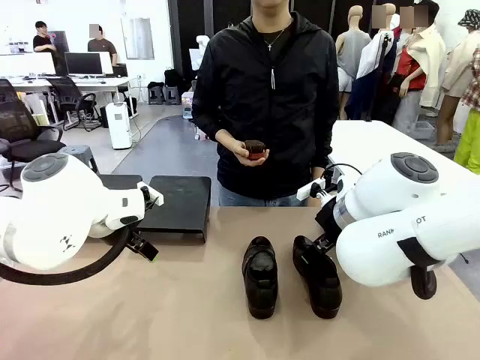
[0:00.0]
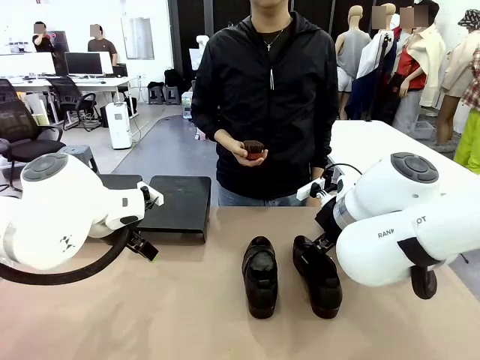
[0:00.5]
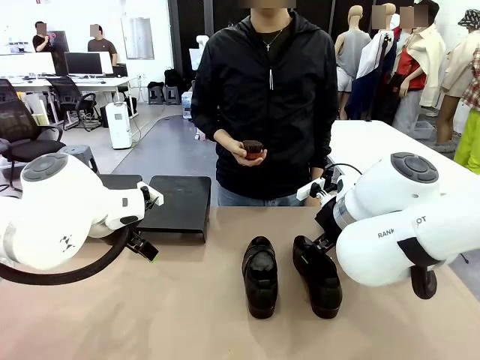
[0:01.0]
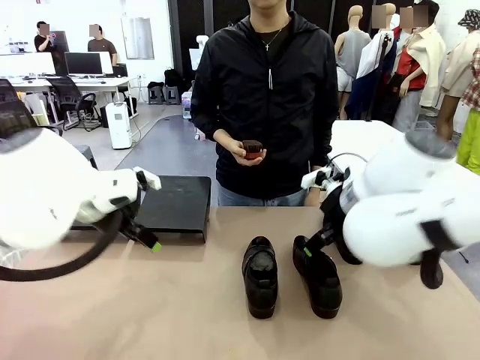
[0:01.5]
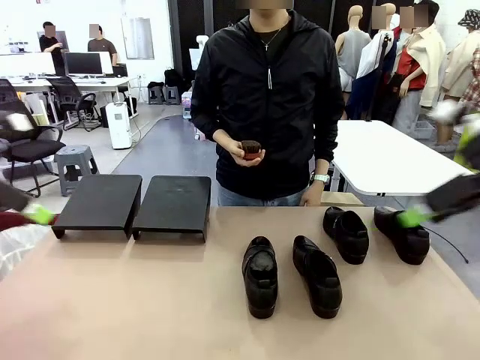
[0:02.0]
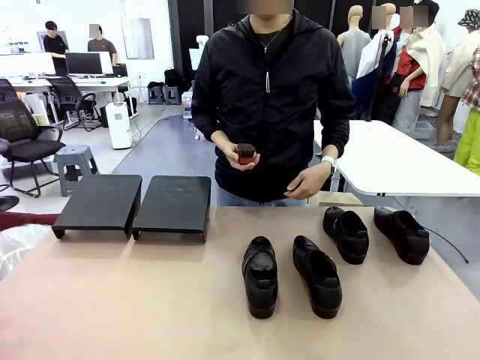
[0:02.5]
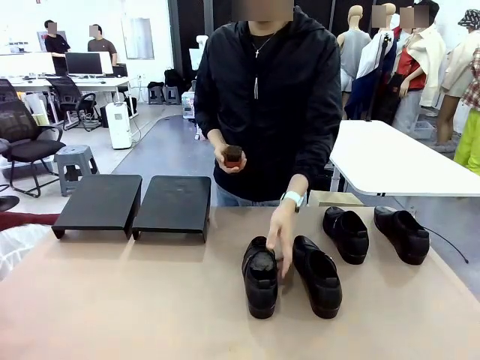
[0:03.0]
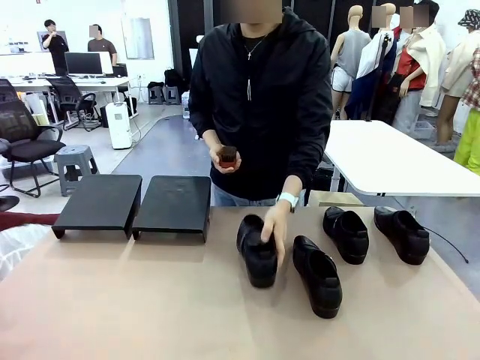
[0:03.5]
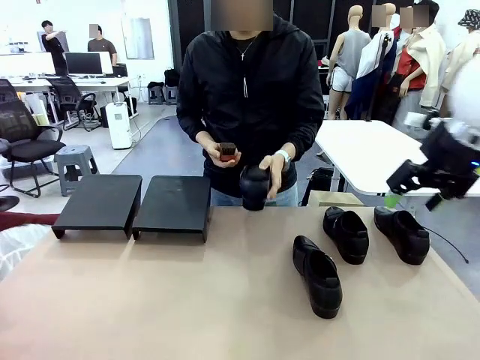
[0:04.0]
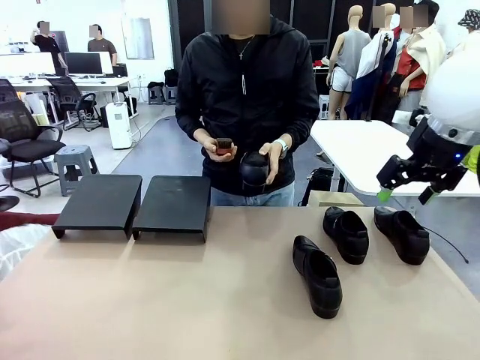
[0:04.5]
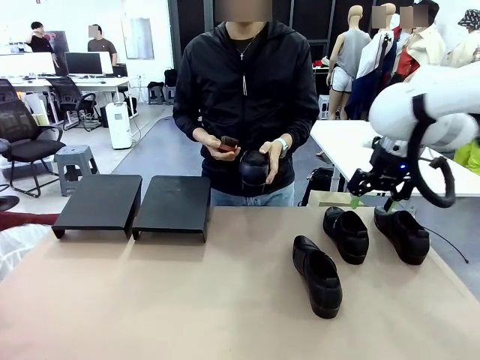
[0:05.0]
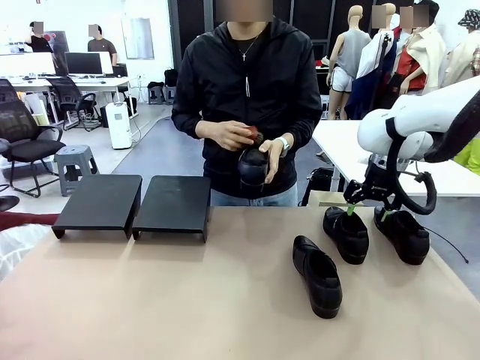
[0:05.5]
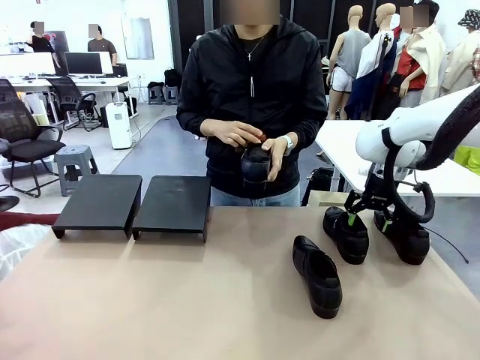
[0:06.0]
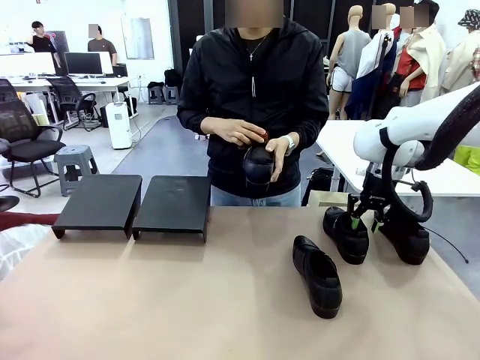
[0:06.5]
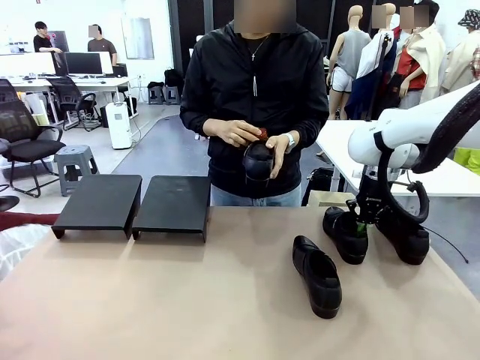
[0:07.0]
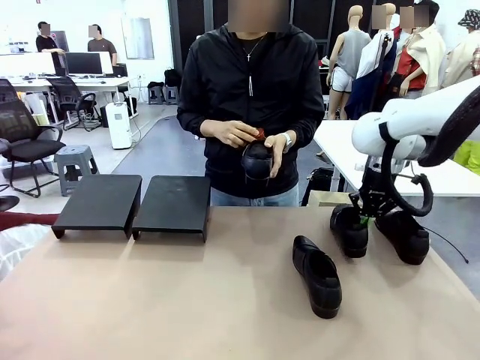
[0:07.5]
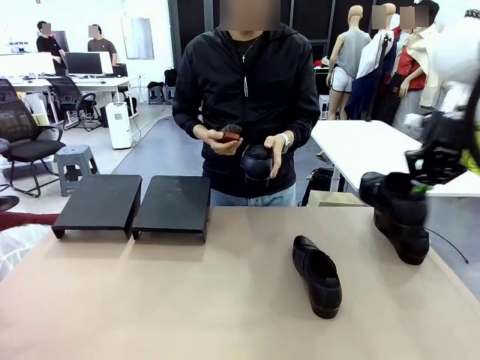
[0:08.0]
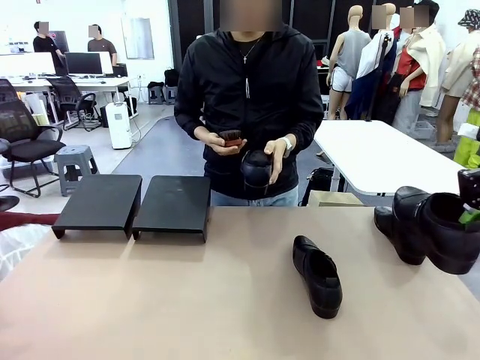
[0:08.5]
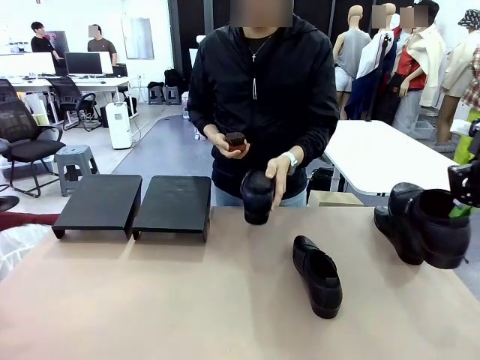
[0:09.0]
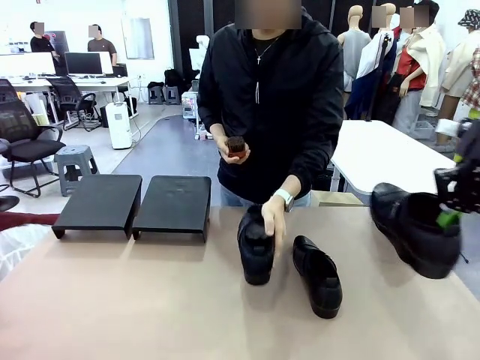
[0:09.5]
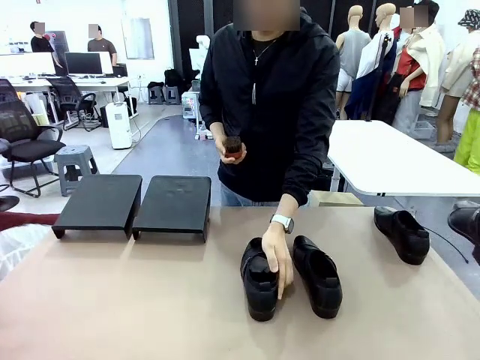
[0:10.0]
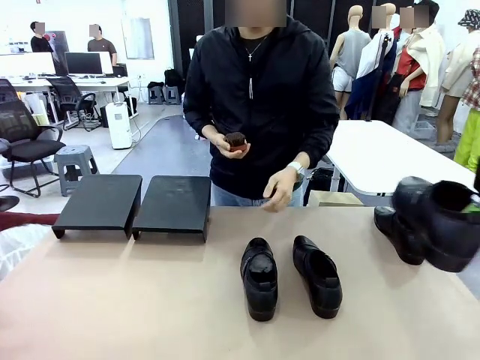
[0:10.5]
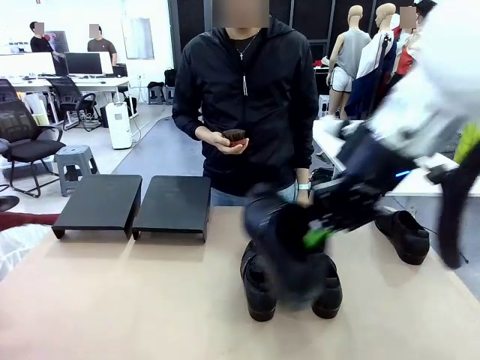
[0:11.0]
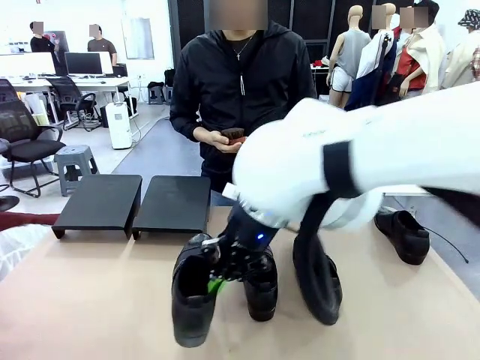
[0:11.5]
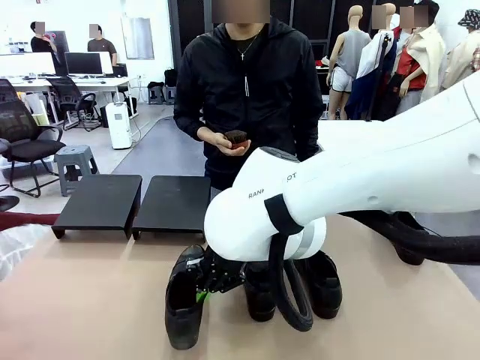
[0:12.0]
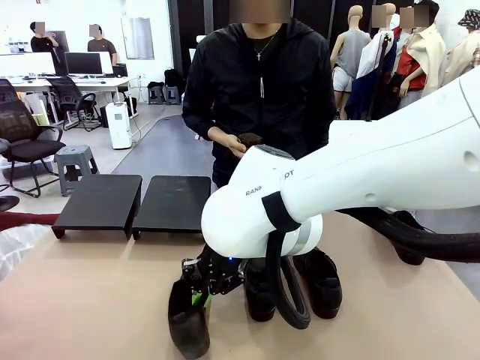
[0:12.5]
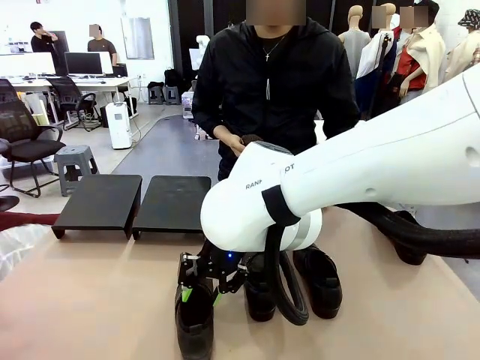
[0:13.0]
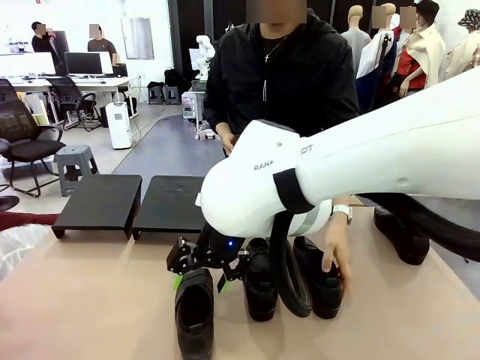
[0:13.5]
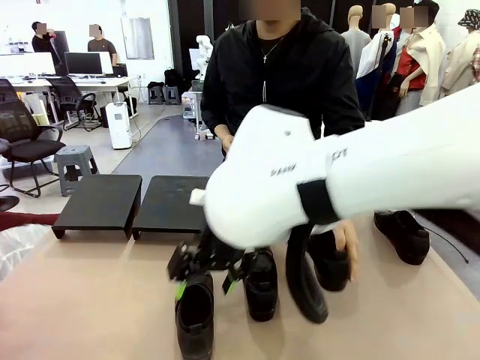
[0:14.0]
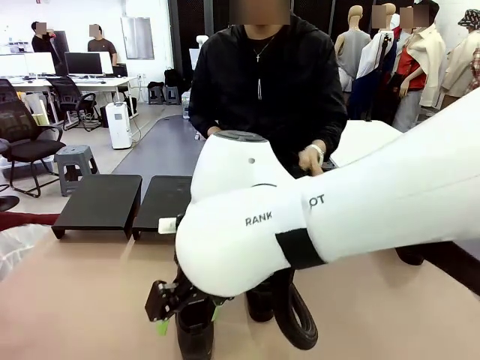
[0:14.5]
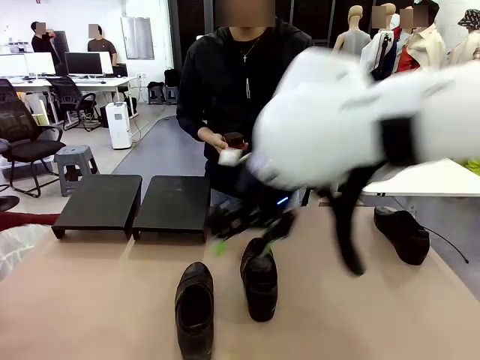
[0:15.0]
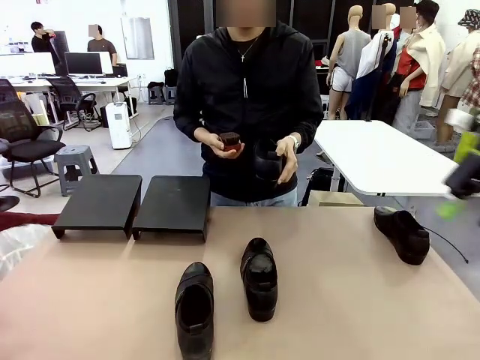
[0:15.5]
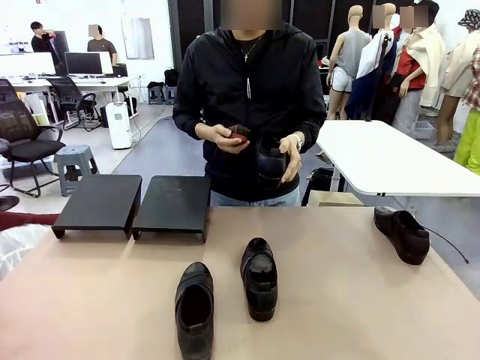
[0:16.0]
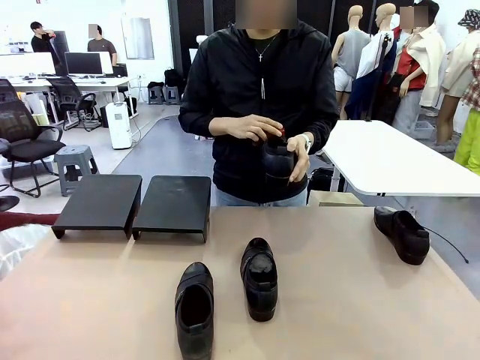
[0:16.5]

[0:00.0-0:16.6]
Task: Organize the shoes by placing them on the stand.
Robot: Pick up one Shoe and place it in the middle of the table.
Person: Pick one Shoe on Robot's table. Clean the Shoe with the Shoe Brush. Place the Shoe on left side of the Robot's table. Pick one Shoe on Robot's table.

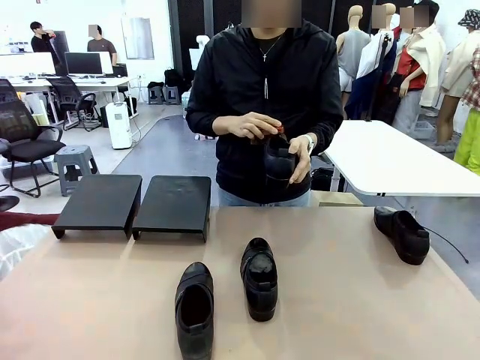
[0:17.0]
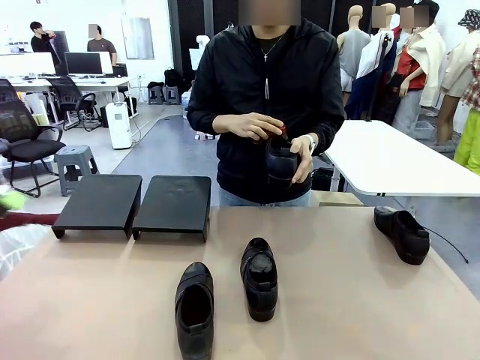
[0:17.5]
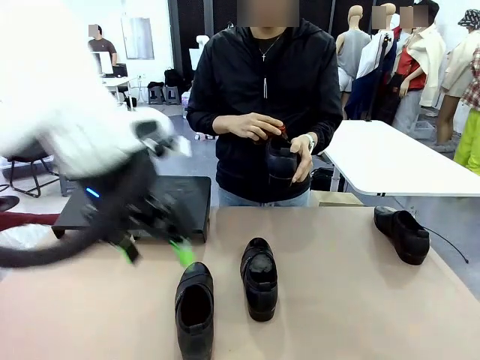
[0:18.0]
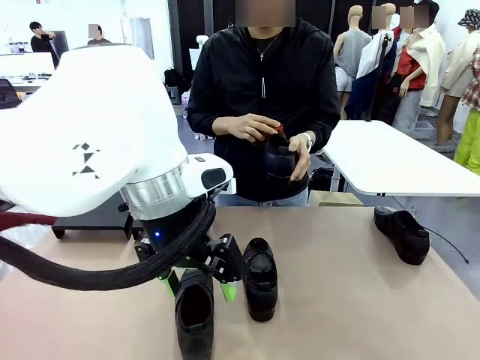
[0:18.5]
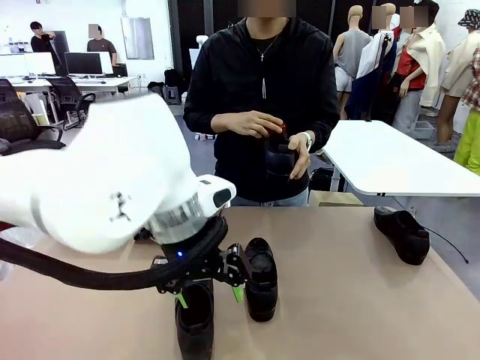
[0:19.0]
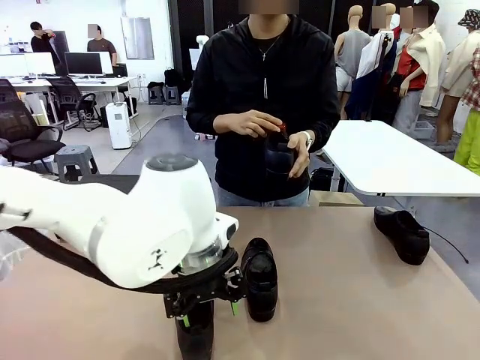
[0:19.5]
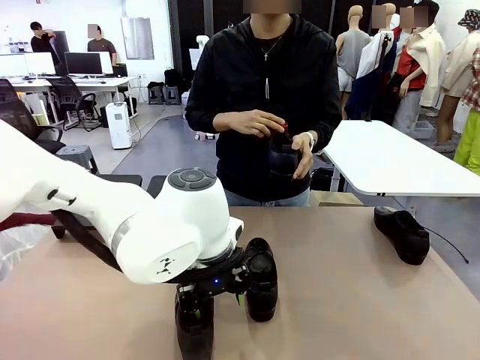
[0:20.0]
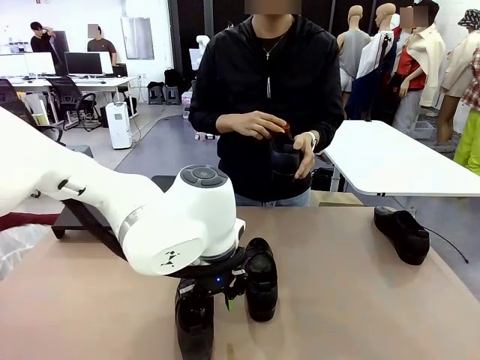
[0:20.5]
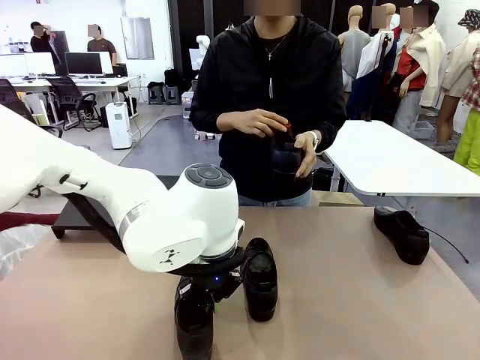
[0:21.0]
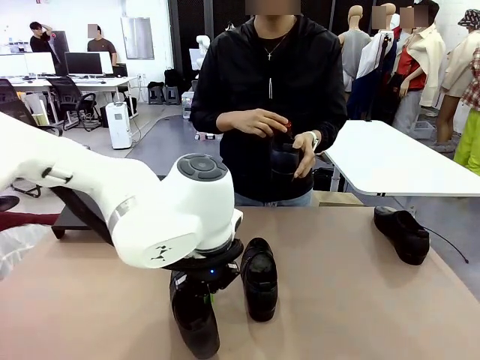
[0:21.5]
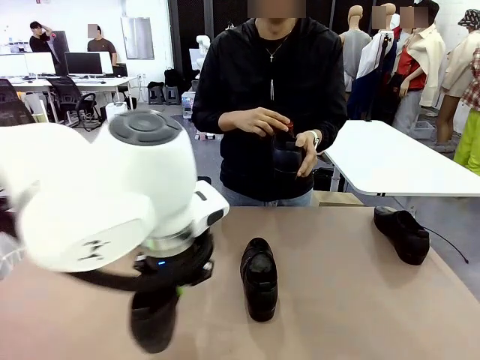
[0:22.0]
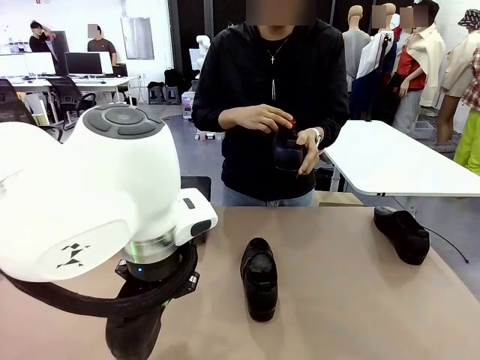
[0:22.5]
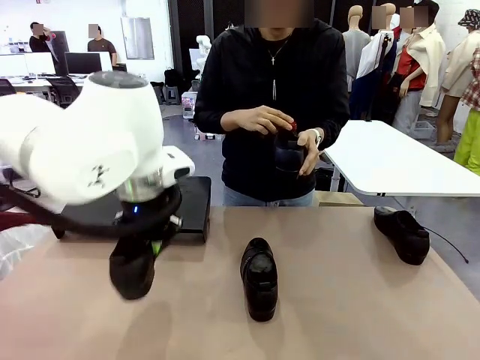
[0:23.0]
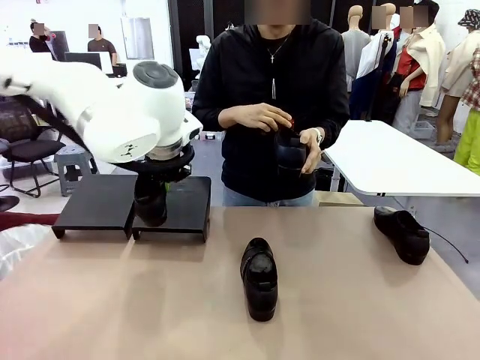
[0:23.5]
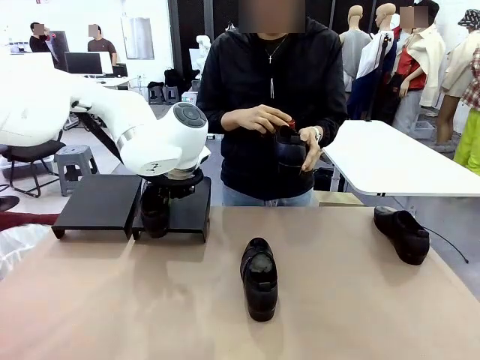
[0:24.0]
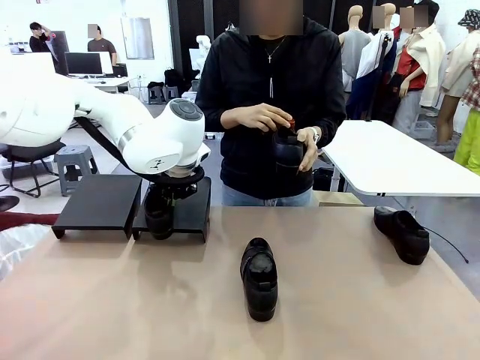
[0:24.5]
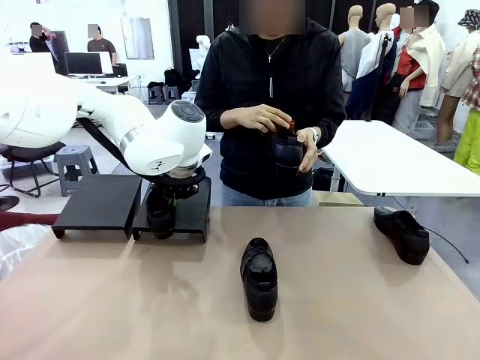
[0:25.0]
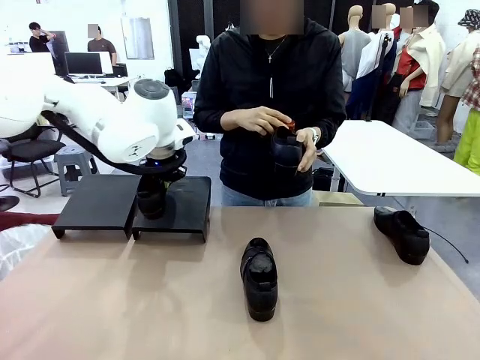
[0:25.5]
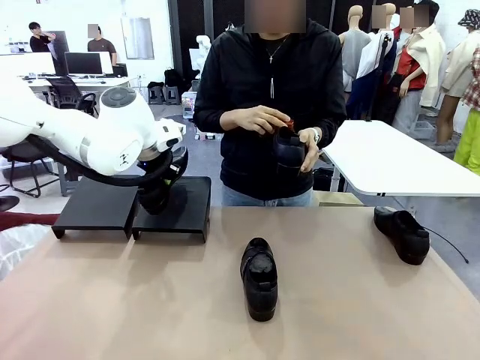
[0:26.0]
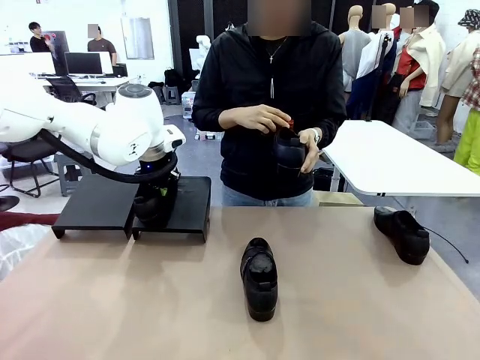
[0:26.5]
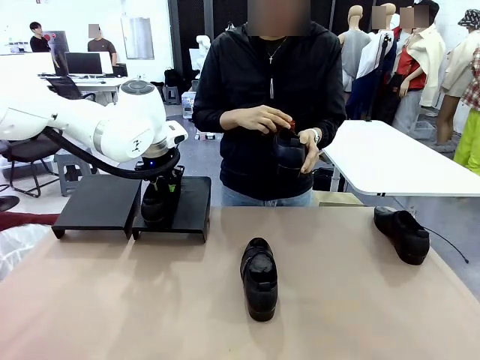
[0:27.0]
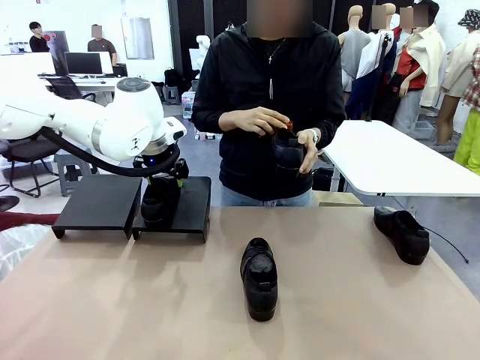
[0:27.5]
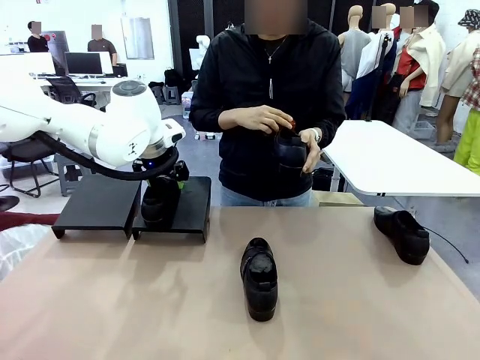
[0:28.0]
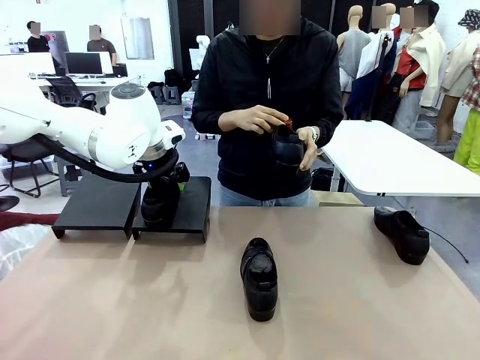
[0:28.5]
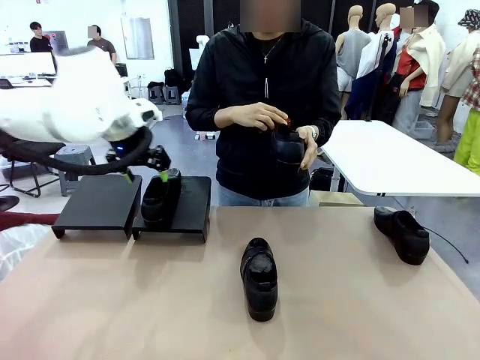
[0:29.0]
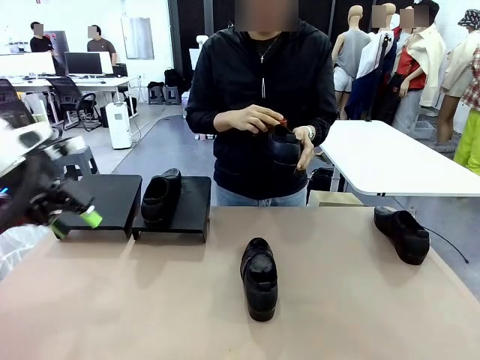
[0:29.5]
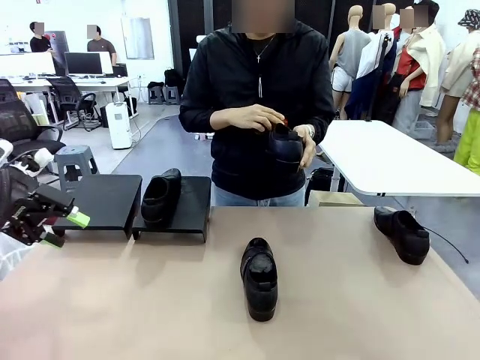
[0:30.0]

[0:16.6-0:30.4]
Robot: Place the Shoe from the middle of the table onto the Shoes Stand.
Person: Clean the Shoe with the Shoe Brush.
